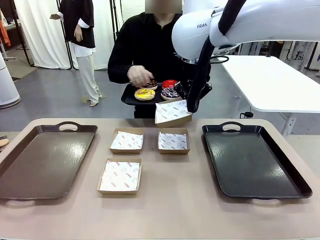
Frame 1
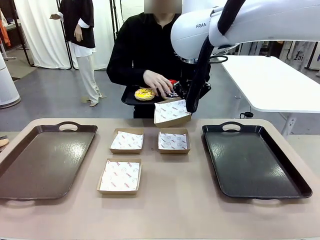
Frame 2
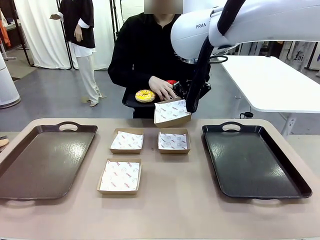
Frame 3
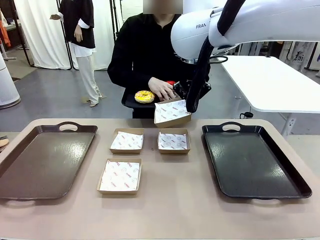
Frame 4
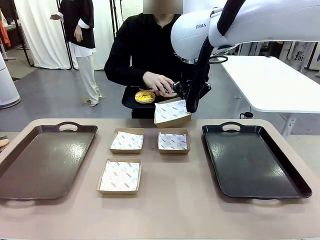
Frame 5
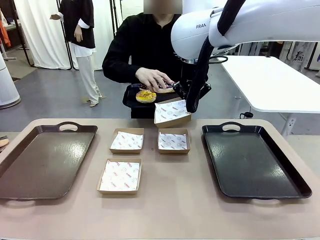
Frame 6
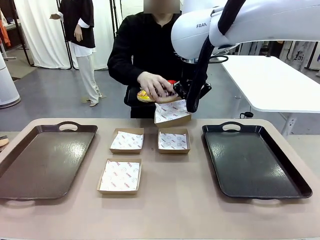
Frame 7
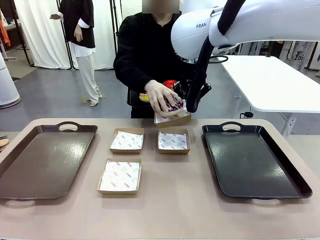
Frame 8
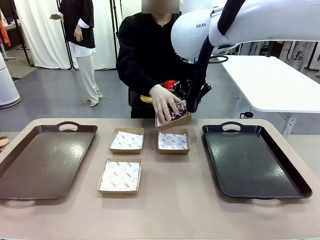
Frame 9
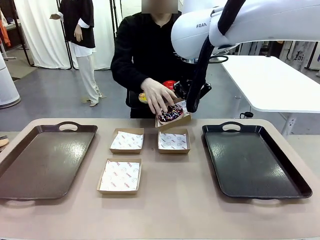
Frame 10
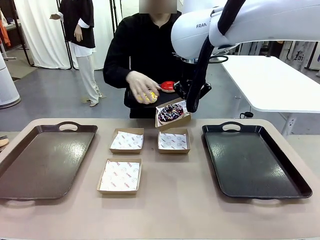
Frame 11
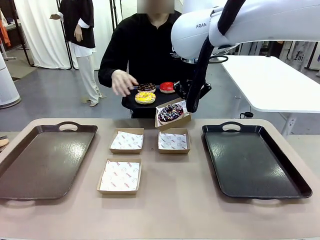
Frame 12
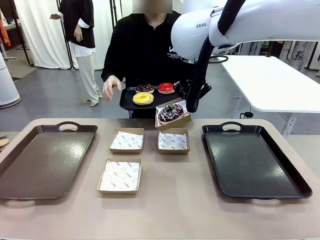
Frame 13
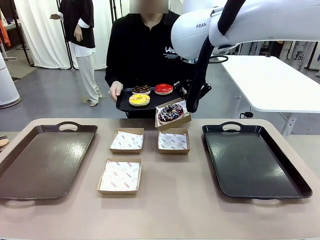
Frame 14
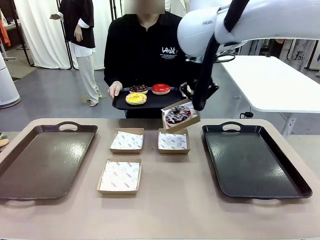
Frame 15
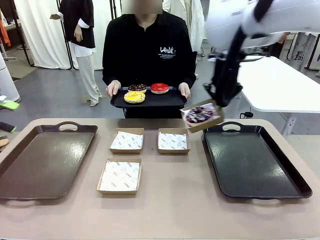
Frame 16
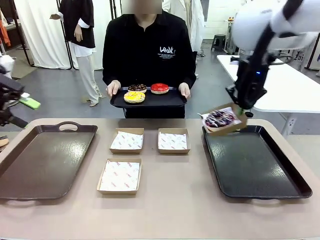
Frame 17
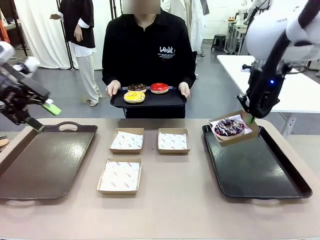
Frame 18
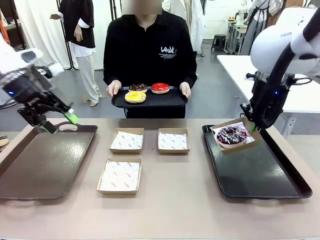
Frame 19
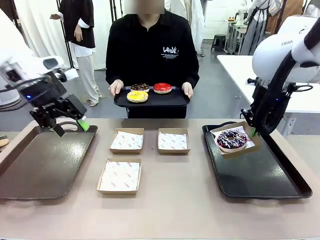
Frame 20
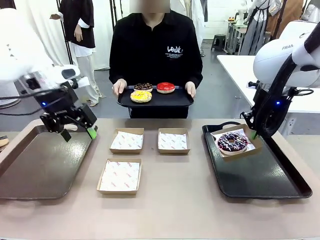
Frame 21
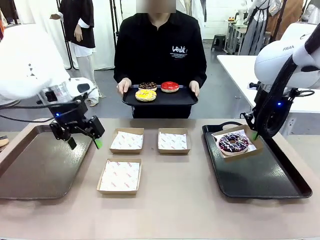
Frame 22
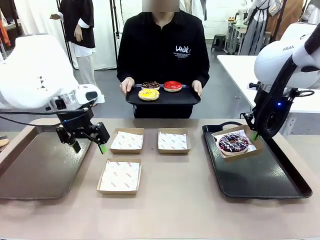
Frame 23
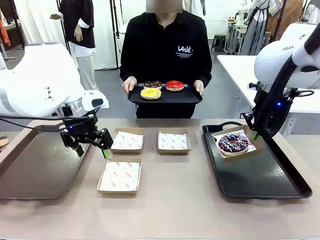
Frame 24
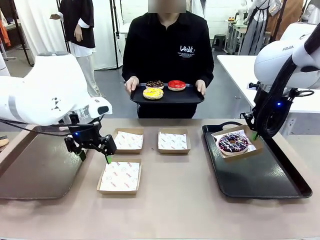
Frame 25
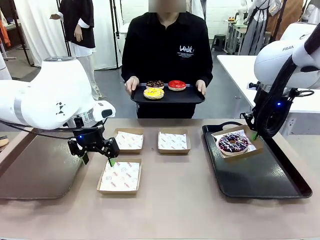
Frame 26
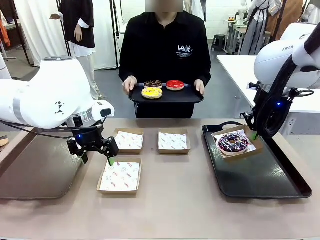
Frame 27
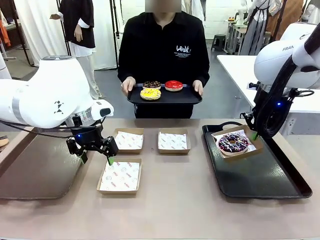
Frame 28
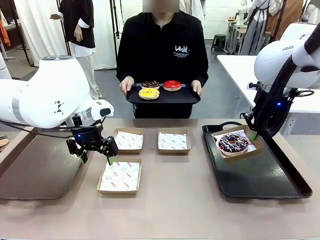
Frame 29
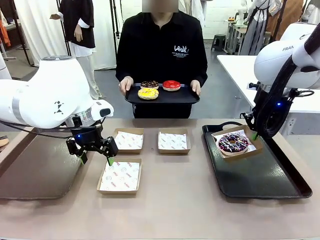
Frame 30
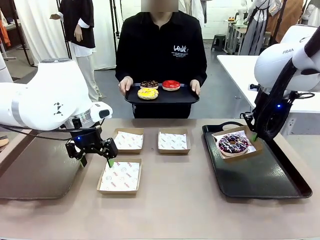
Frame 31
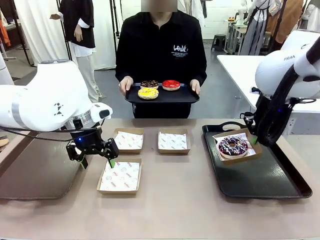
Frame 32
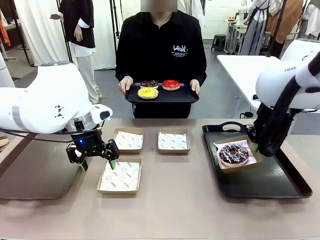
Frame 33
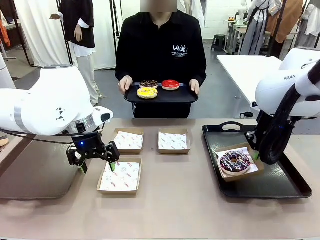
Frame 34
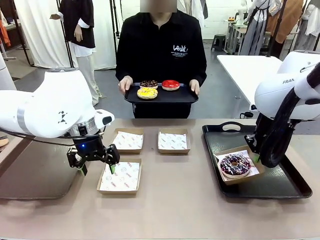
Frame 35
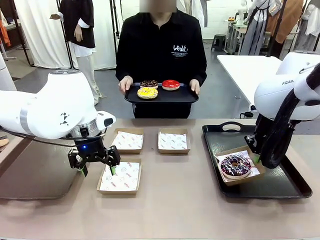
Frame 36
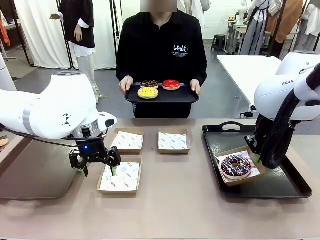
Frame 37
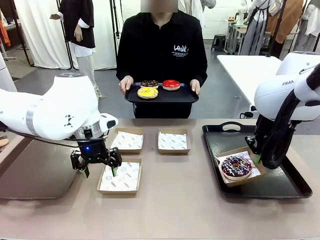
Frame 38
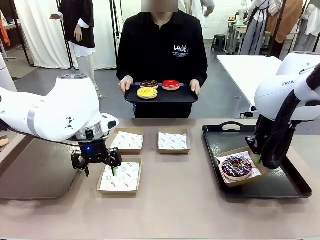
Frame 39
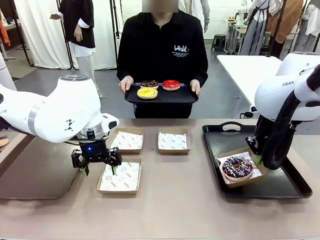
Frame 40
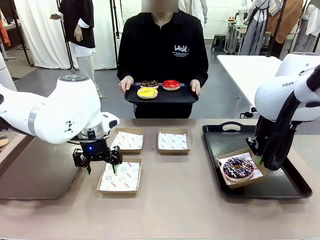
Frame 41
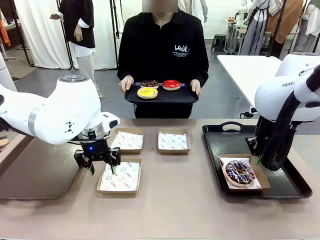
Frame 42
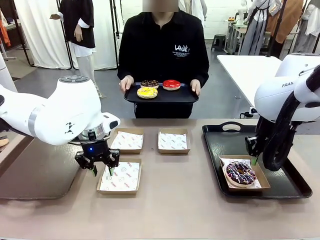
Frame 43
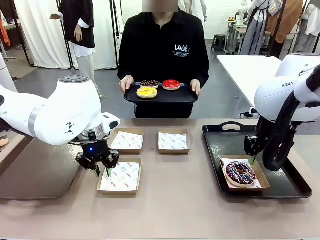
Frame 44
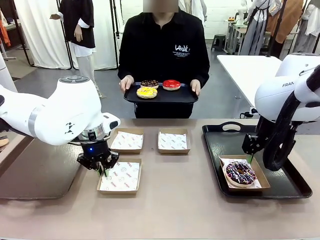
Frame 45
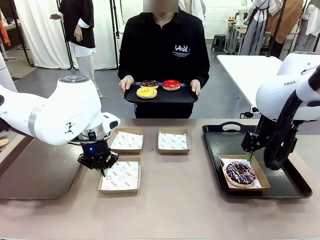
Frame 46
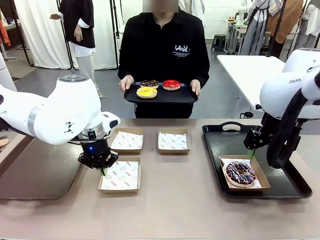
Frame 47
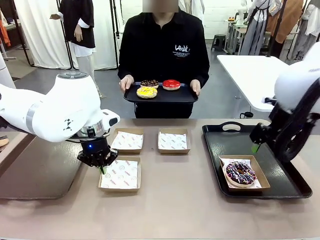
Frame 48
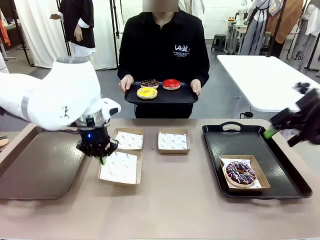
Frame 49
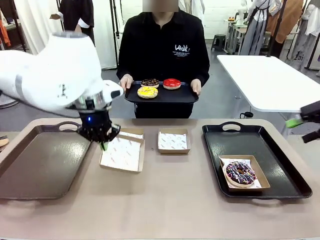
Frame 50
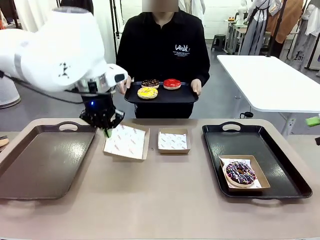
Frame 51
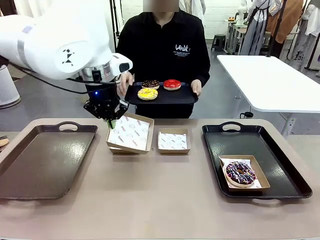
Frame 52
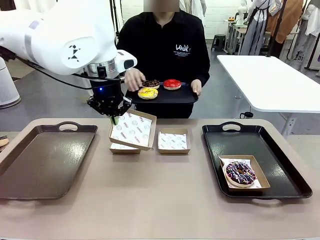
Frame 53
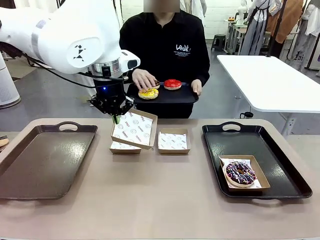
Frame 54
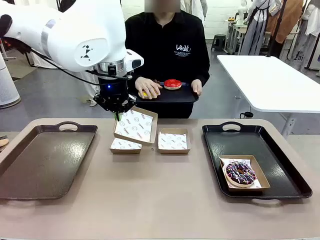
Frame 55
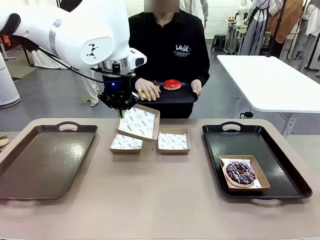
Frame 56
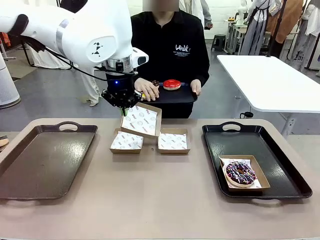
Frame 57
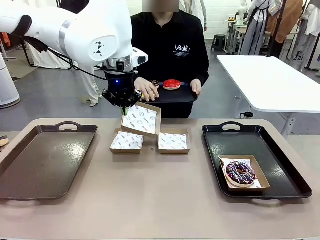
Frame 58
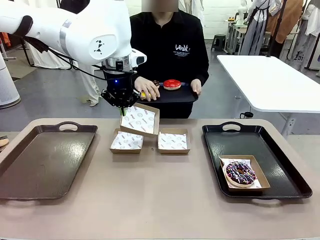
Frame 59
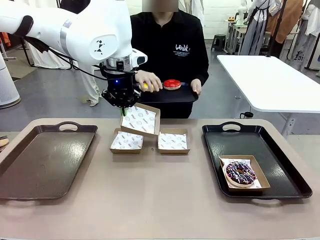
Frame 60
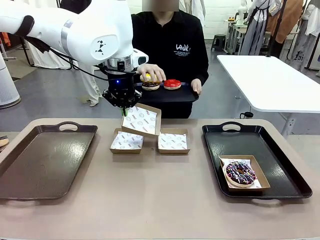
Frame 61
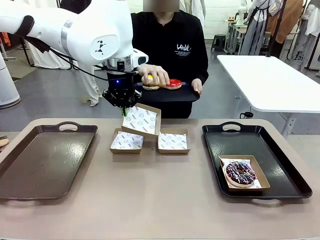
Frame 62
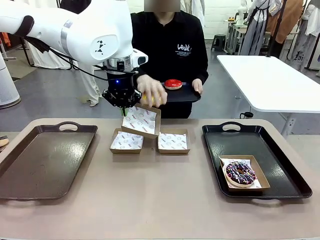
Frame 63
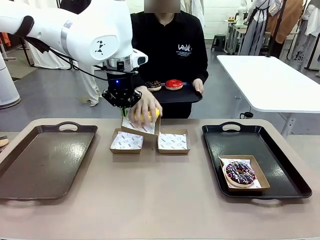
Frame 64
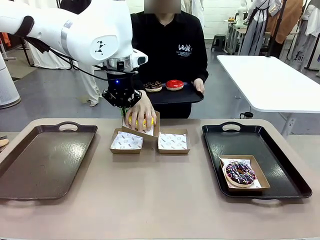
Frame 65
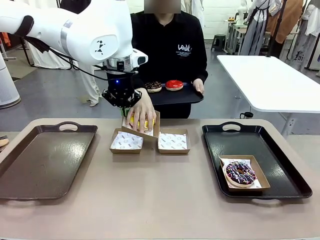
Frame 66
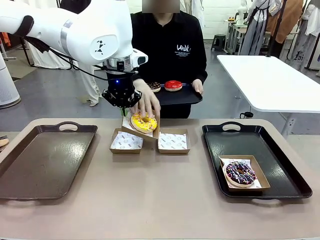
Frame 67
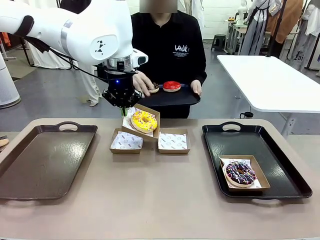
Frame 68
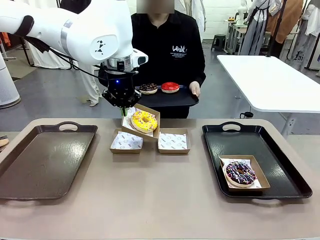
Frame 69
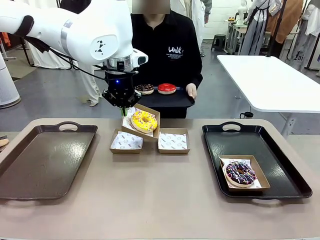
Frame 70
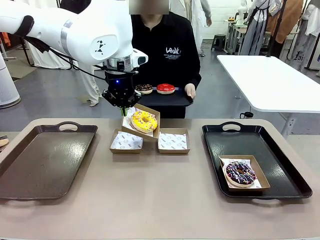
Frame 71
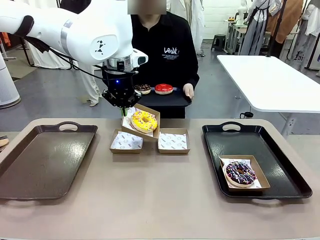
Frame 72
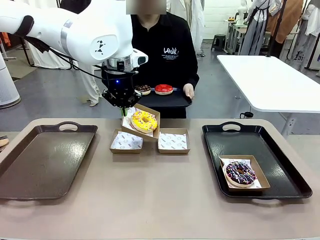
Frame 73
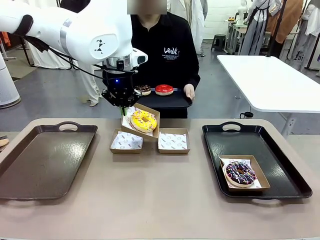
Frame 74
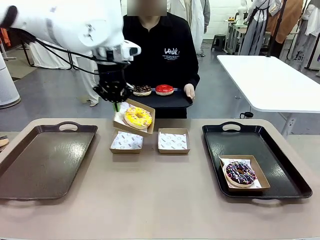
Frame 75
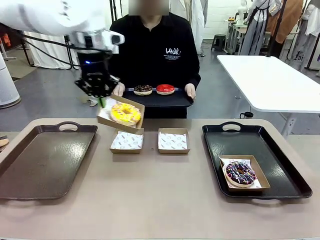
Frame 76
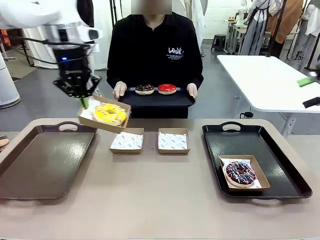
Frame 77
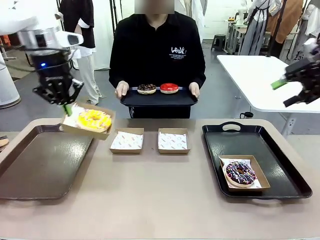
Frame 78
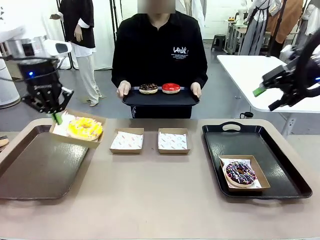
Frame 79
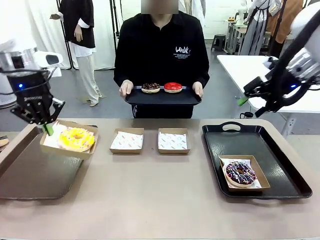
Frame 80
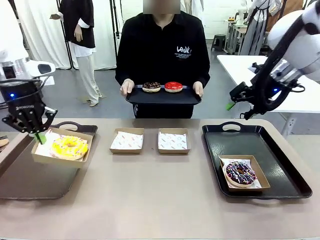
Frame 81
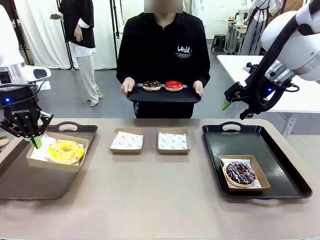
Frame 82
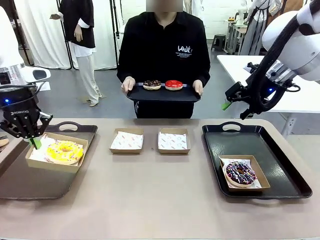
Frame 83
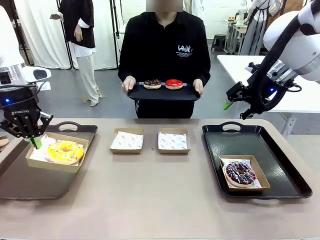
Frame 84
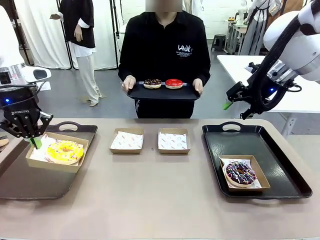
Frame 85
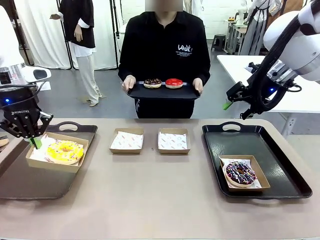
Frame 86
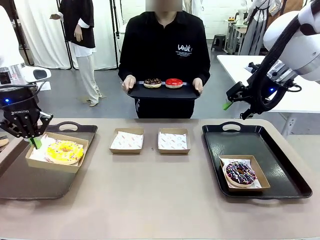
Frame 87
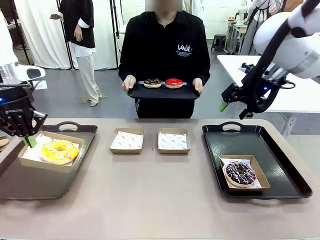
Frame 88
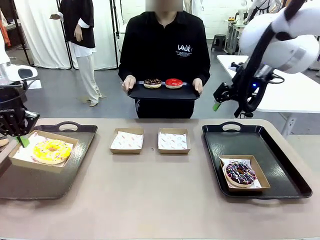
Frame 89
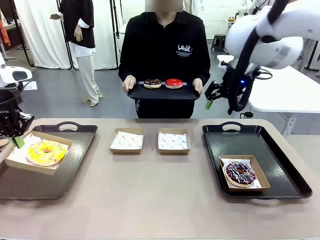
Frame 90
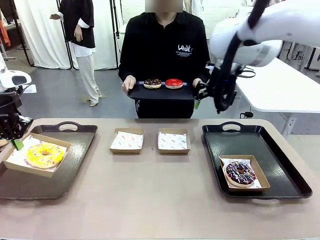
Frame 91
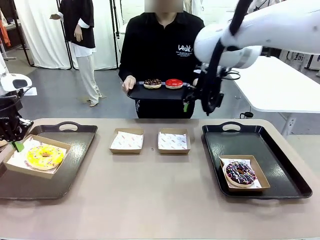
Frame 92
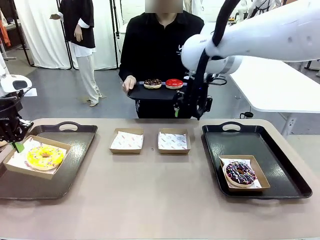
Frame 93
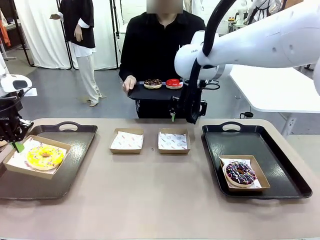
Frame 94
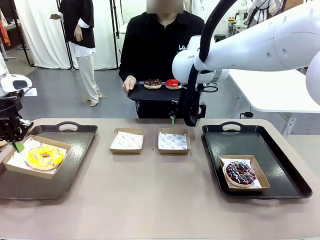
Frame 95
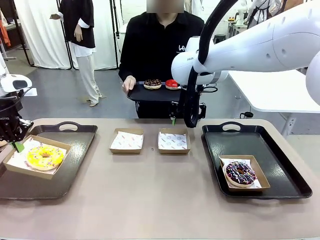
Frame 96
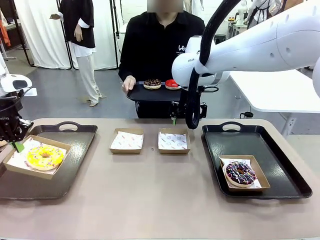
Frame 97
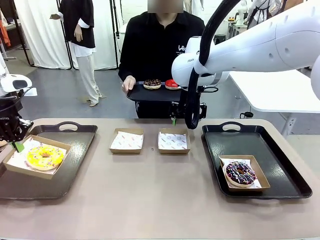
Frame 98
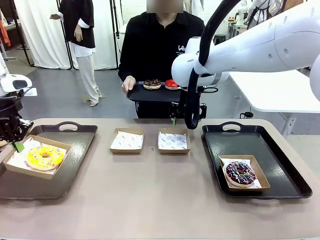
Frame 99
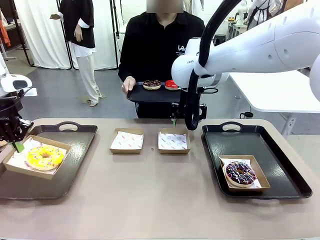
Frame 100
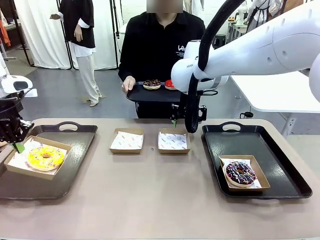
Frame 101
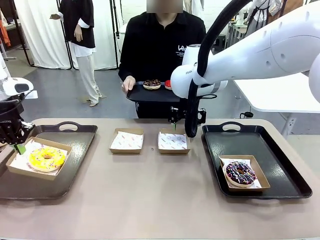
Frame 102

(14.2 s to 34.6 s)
Task: Individually package the donuts and arrange them on the tray.
Robot: Place the picked Paper togo box on the Handle tray while simultaneously picking up another Paper togo box from the table with the other hand.
